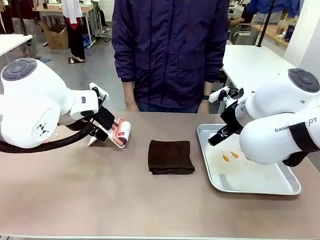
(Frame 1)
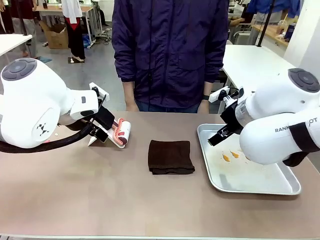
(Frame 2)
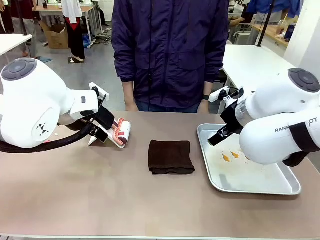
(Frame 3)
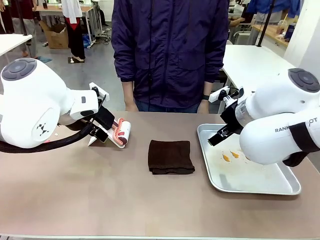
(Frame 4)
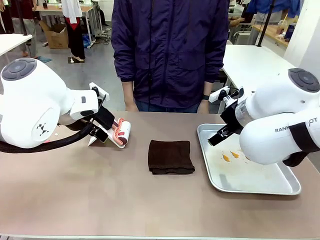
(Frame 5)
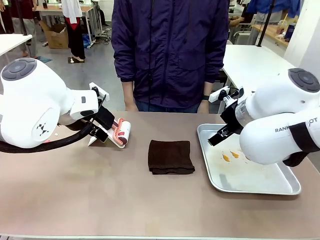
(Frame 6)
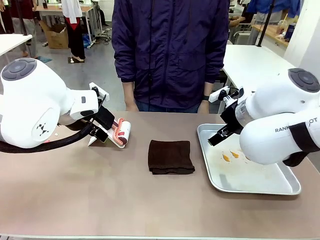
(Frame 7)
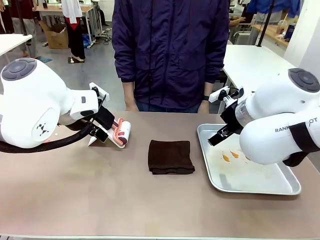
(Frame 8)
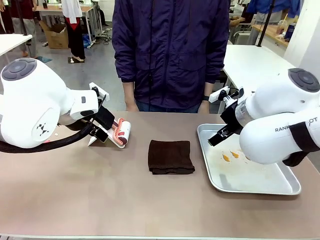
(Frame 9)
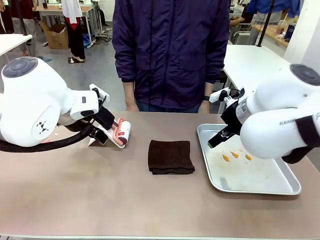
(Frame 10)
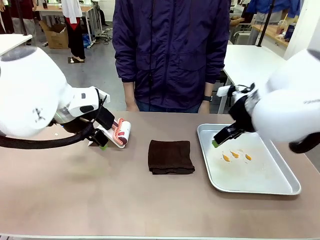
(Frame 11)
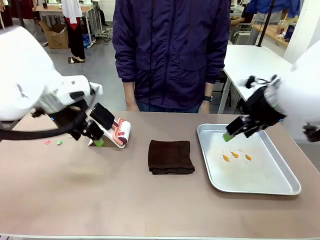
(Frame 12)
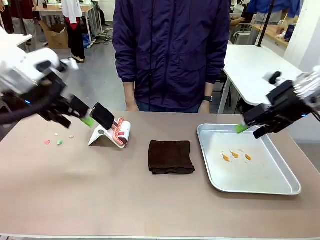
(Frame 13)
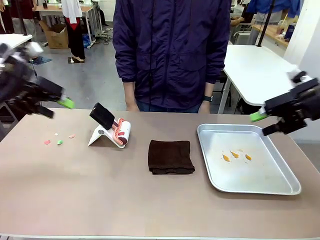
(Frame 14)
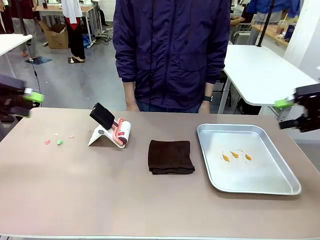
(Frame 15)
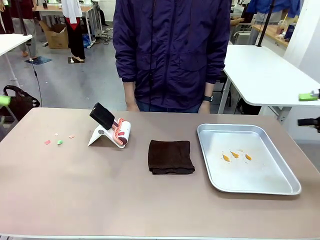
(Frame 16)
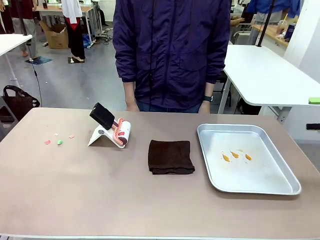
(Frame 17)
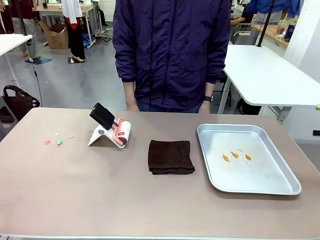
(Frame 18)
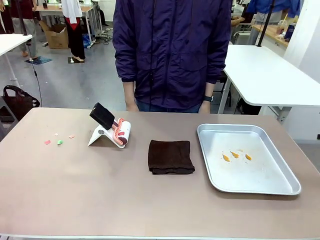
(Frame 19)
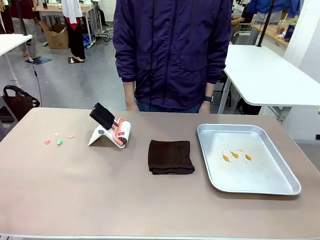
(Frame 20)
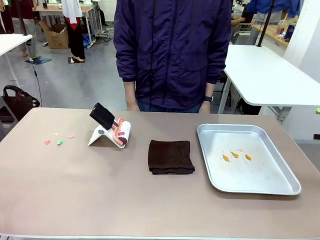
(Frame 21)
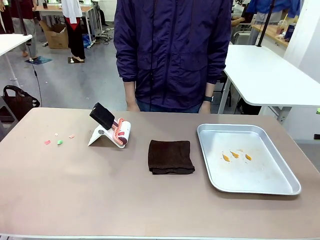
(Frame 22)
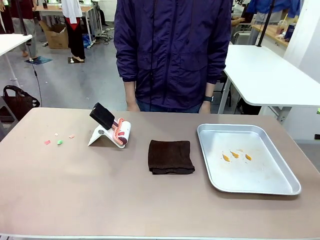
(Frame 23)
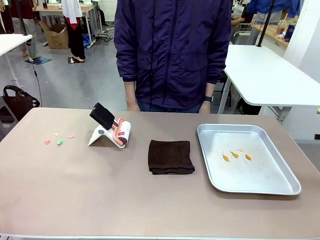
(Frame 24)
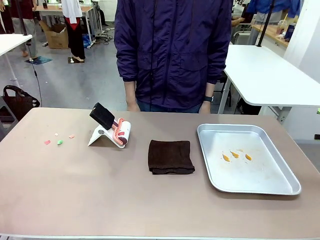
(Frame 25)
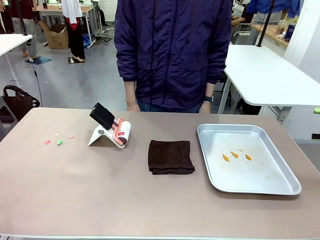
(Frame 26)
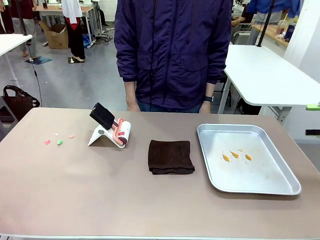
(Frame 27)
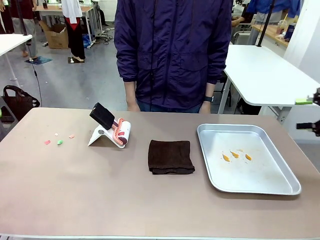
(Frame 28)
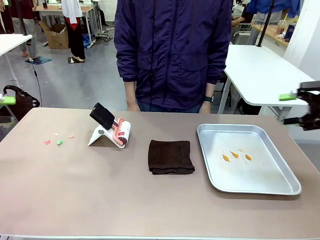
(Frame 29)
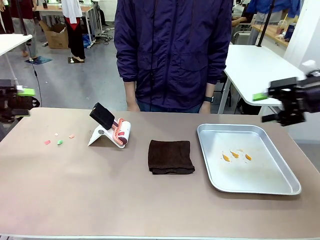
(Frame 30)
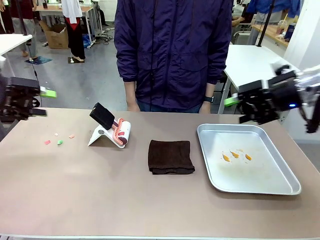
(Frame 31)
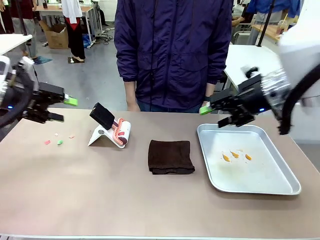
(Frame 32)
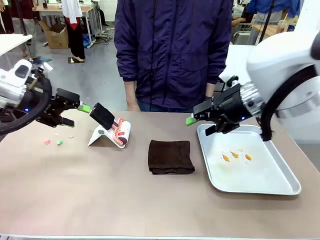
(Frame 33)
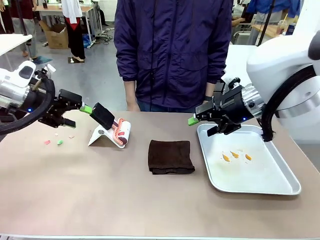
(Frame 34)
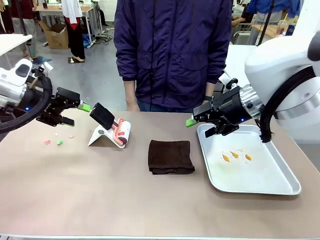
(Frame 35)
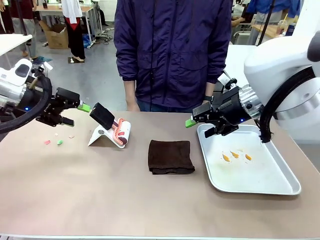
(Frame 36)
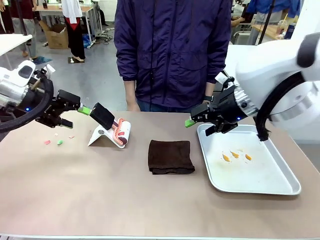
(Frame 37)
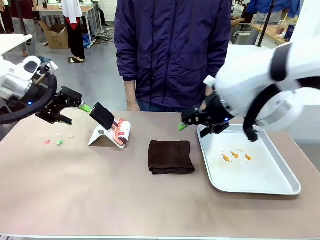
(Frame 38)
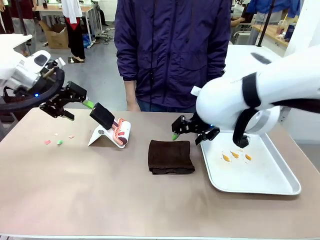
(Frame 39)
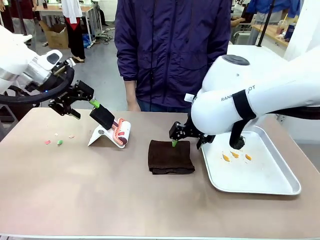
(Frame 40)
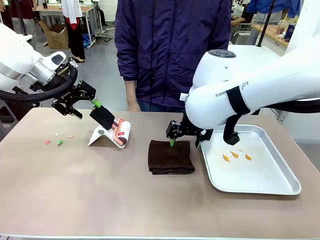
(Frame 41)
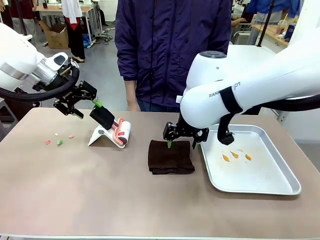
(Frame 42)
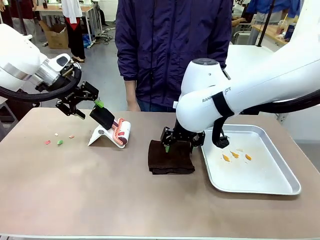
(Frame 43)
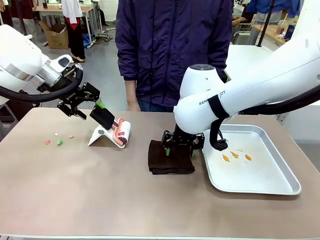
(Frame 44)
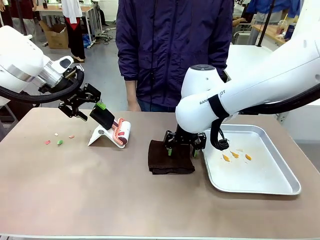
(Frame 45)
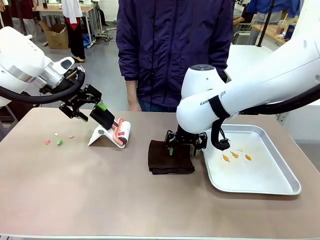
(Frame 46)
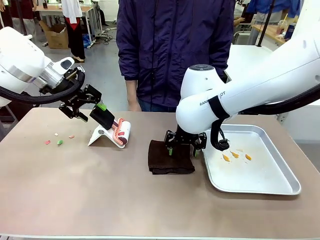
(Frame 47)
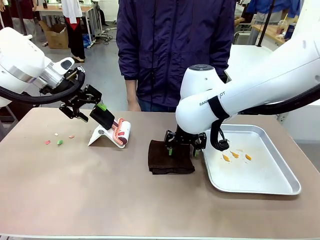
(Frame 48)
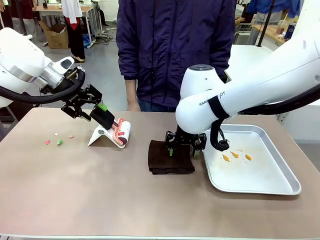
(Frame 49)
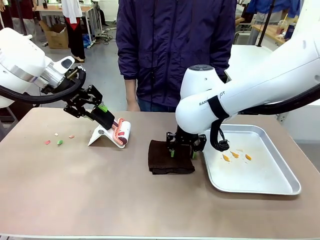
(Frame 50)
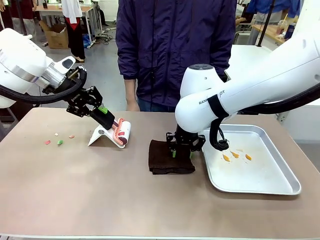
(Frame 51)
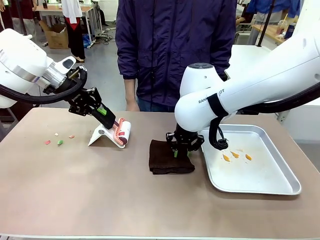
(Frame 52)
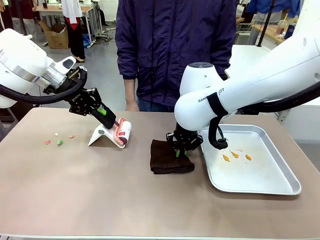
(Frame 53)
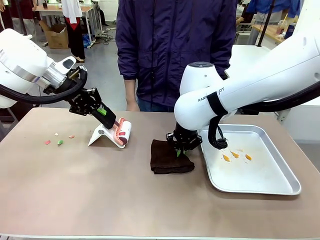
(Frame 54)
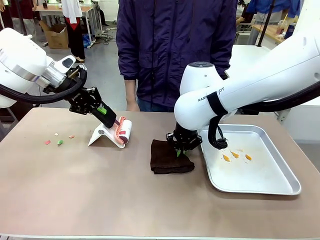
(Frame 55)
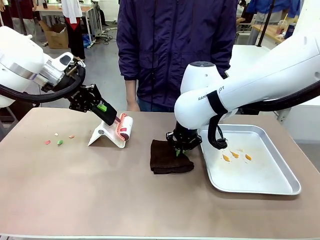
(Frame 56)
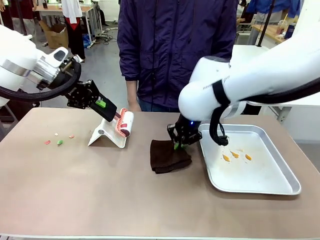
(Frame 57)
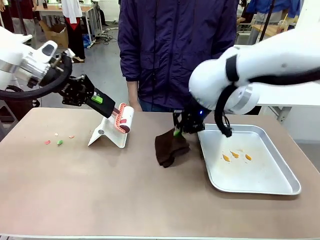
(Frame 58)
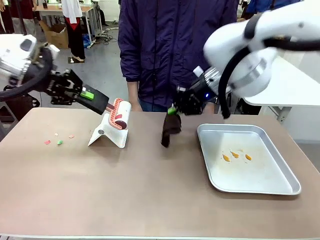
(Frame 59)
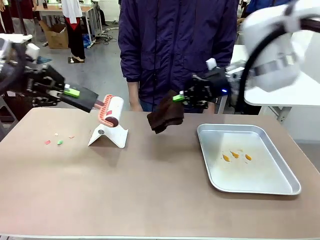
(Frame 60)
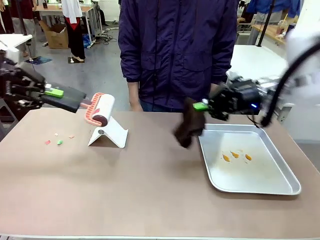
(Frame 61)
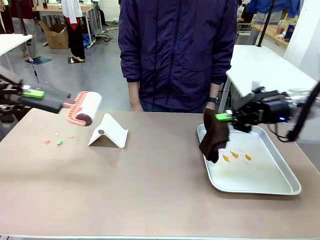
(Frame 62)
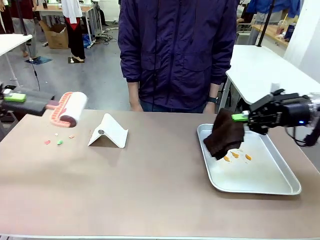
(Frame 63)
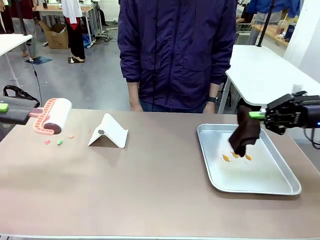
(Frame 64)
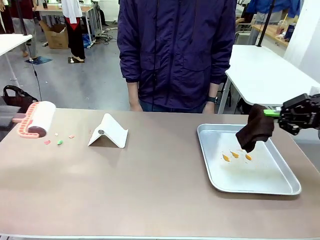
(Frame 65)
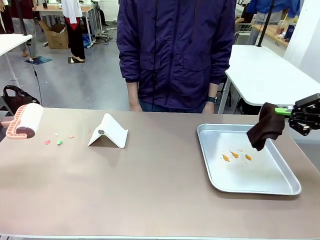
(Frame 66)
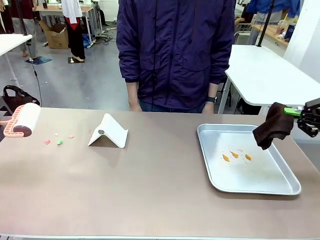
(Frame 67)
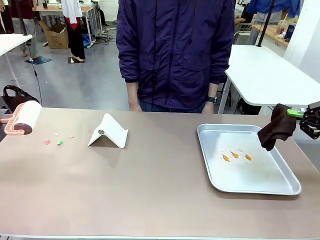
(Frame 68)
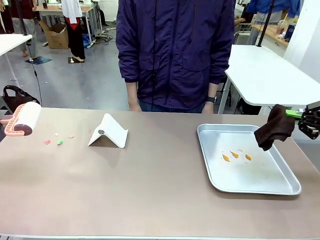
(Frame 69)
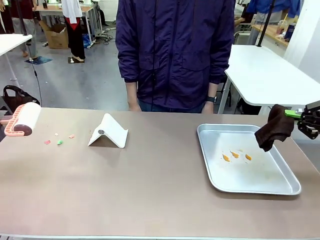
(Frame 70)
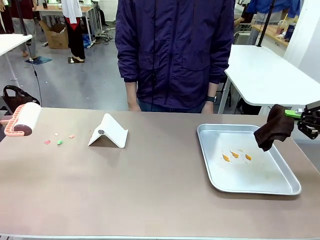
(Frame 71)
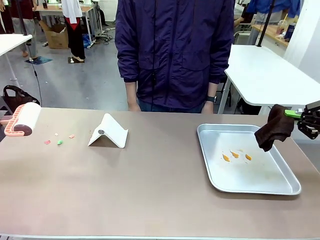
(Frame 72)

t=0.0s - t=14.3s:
Task: Clean the surface of the table.
Robot: Hold the Lint Roller with your left hand and the towel with your right hand.

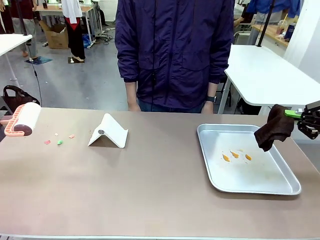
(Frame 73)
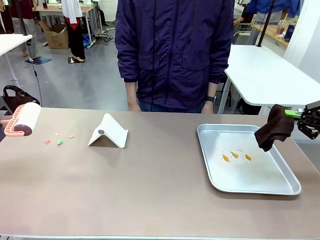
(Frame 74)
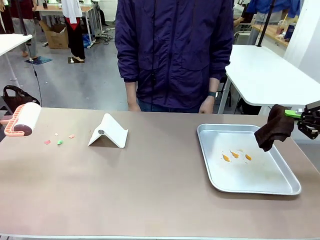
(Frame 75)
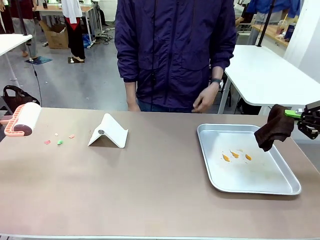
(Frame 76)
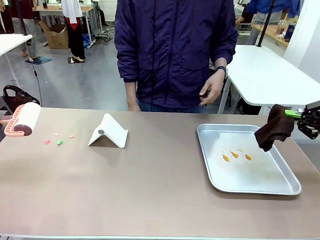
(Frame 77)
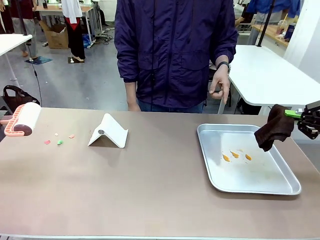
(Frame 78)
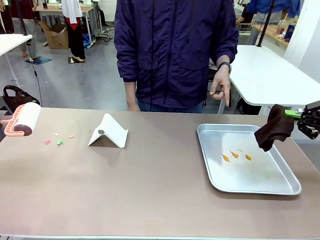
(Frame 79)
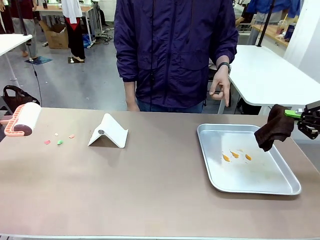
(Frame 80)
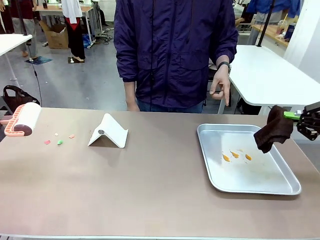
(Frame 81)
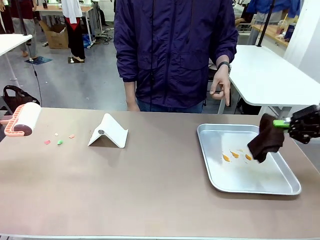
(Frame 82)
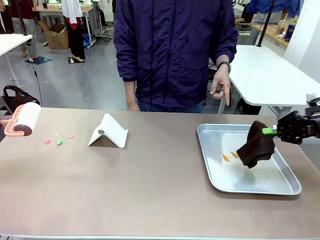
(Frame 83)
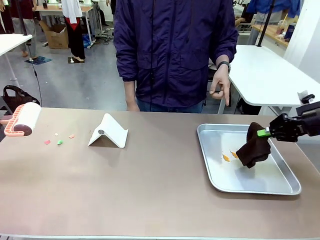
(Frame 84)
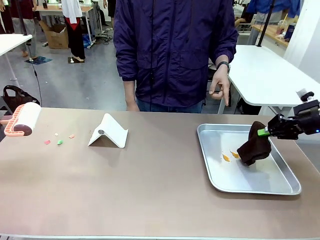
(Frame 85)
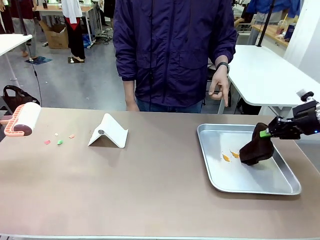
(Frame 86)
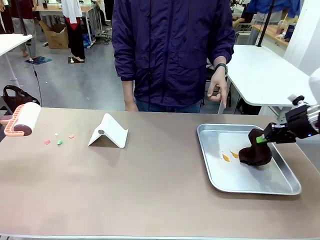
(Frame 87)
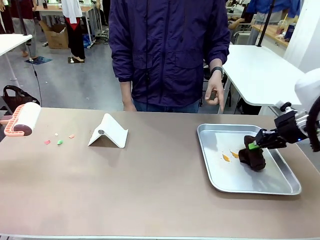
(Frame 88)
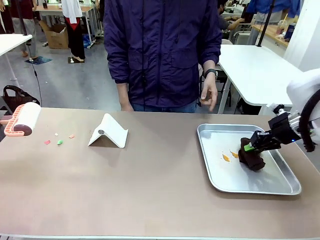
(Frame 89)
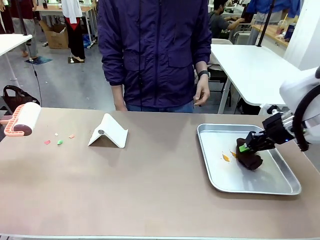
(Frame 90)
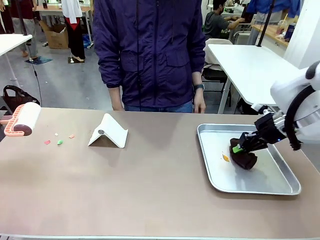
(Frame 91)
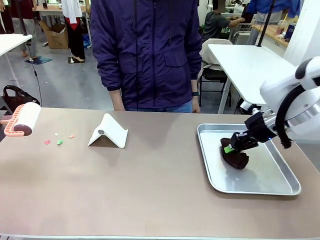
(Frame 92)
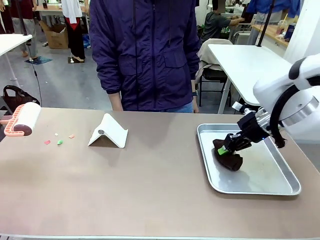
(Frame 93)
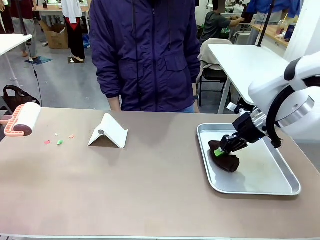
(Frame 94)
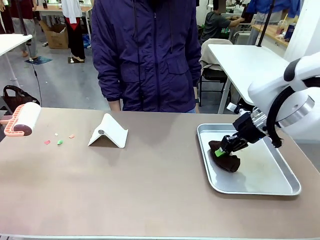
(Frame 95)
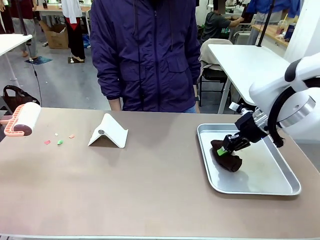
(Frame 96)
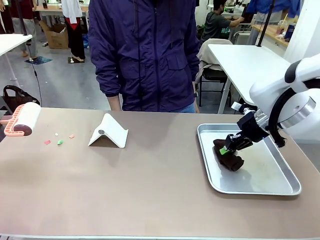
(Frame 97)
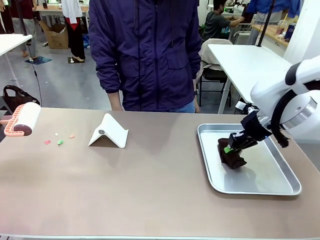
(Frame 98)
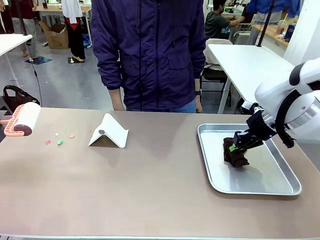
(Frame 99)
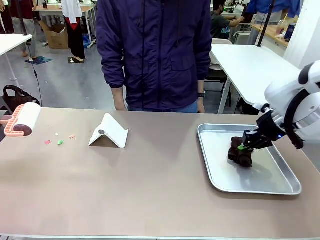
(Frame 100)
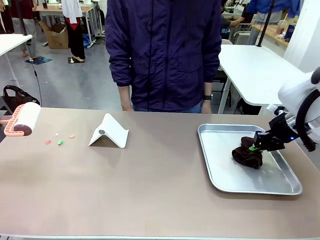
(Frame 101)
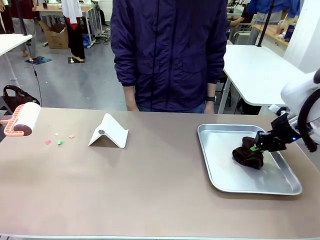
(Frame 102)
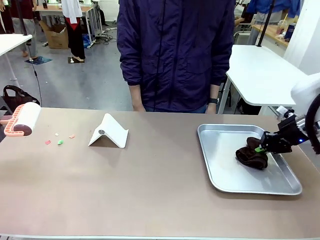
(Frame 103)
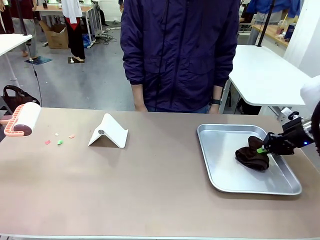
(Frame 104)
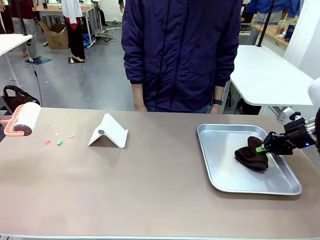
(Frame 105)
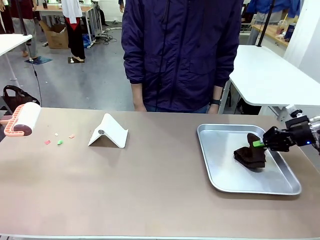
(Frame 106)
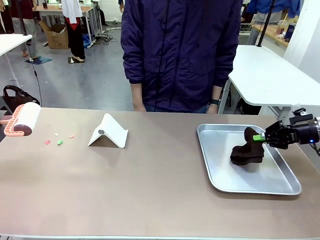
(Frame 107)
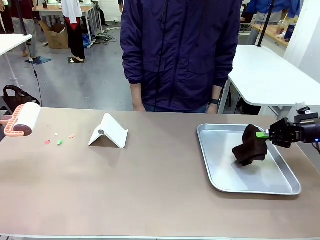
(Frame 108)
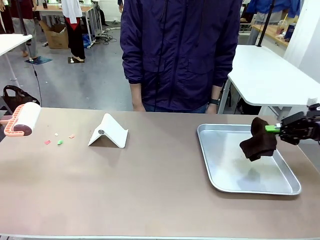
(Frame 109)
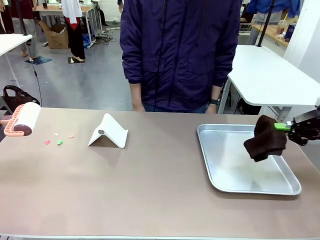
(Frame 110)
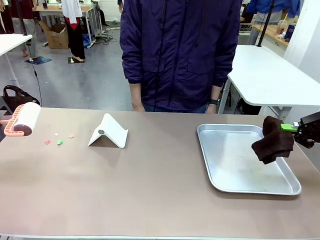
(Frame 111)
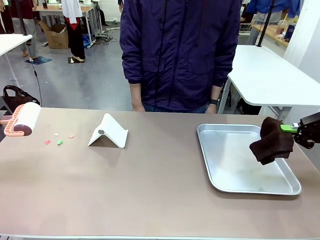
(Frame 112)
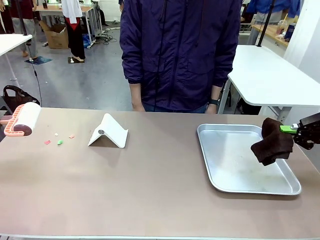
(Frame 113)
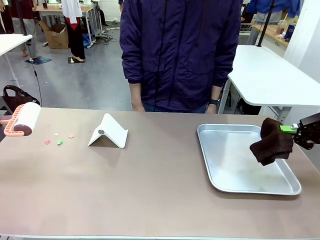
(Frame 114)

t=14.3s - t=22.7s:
Robot: If a person points to the right, clean the right side of the table with your right hand, and if they point to the left, clean the left side with your left hand.
